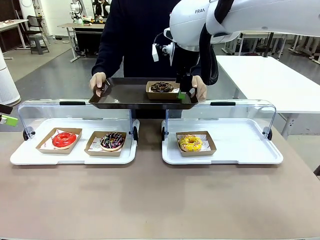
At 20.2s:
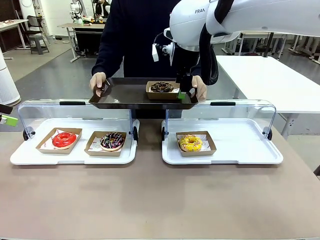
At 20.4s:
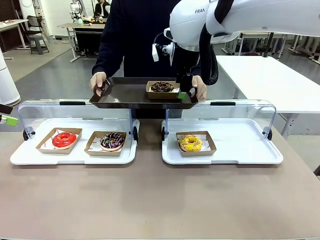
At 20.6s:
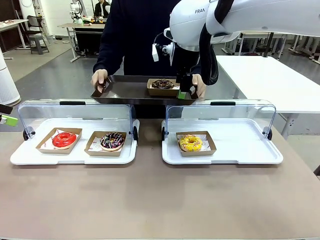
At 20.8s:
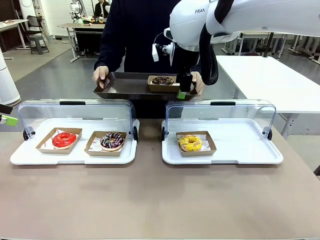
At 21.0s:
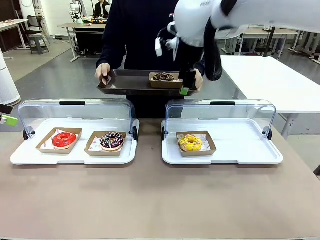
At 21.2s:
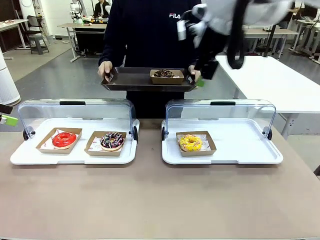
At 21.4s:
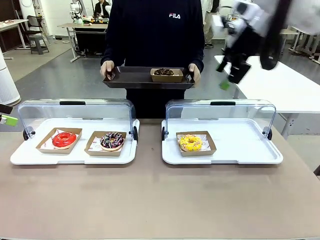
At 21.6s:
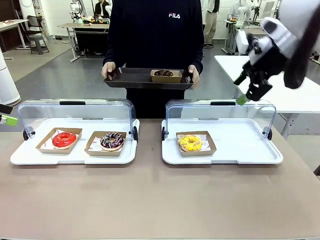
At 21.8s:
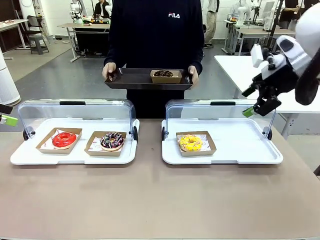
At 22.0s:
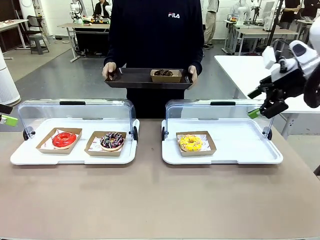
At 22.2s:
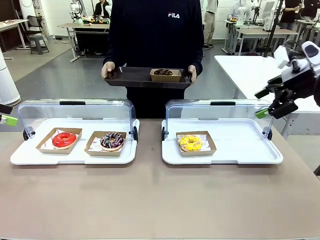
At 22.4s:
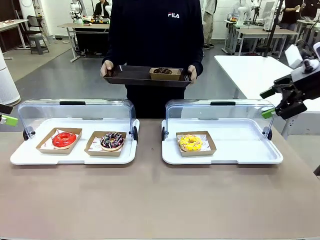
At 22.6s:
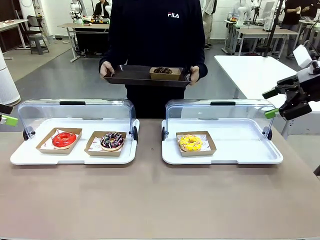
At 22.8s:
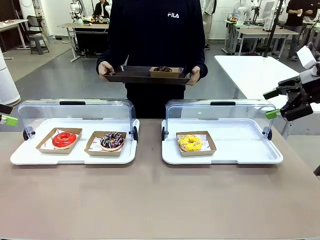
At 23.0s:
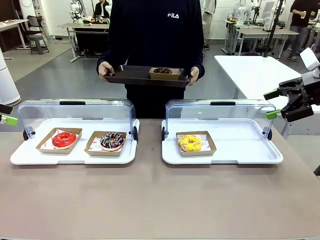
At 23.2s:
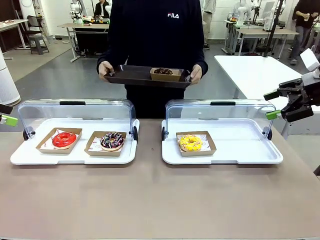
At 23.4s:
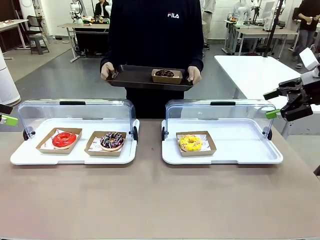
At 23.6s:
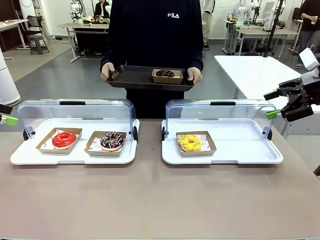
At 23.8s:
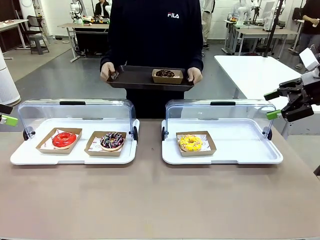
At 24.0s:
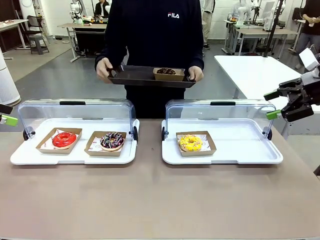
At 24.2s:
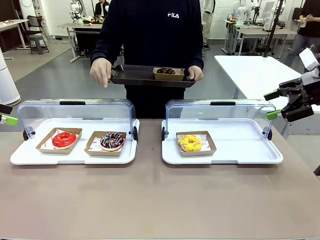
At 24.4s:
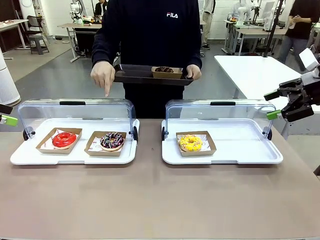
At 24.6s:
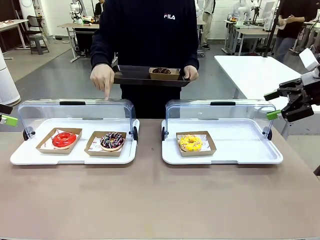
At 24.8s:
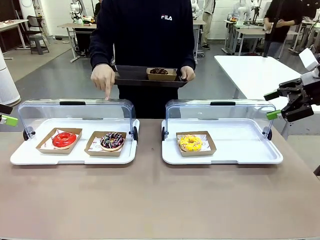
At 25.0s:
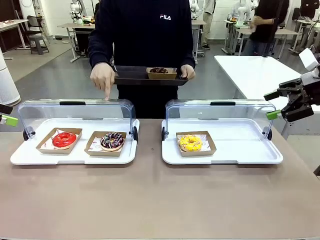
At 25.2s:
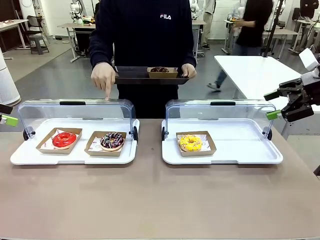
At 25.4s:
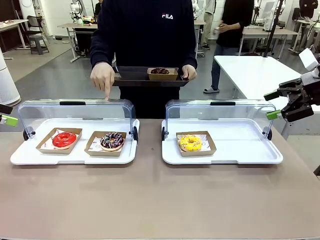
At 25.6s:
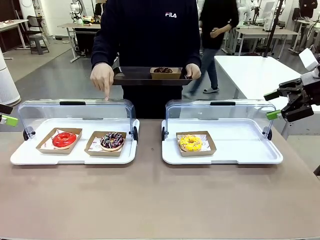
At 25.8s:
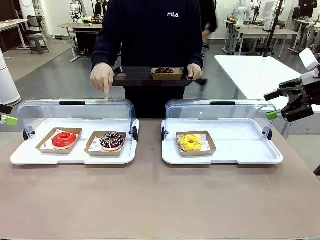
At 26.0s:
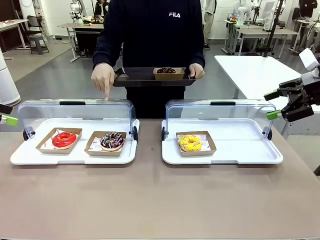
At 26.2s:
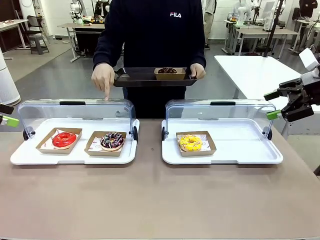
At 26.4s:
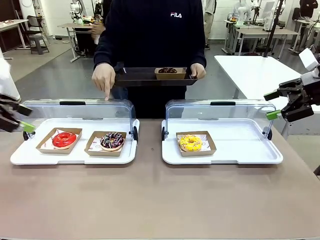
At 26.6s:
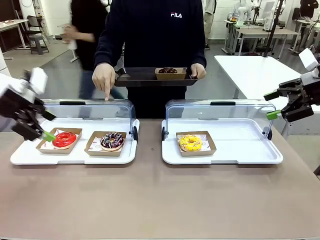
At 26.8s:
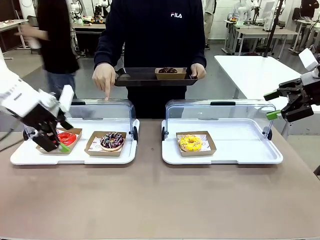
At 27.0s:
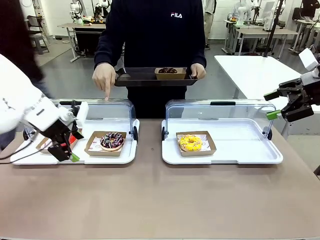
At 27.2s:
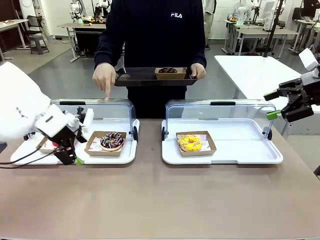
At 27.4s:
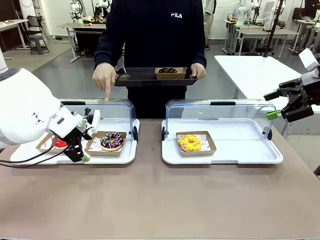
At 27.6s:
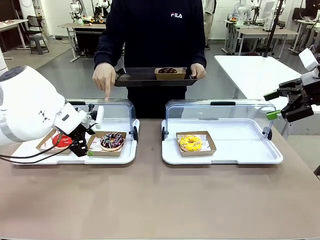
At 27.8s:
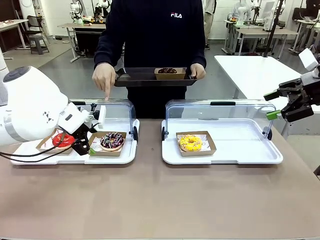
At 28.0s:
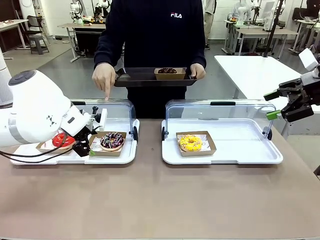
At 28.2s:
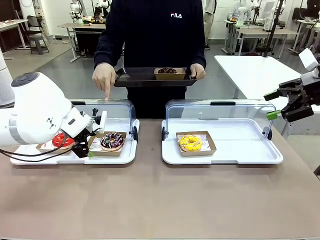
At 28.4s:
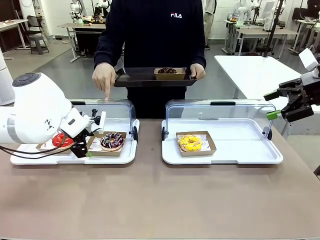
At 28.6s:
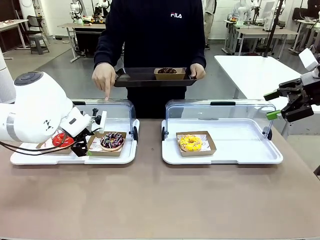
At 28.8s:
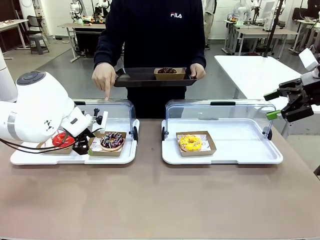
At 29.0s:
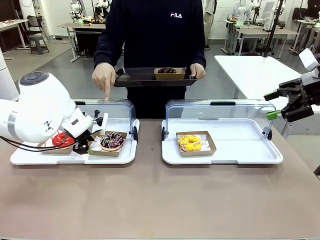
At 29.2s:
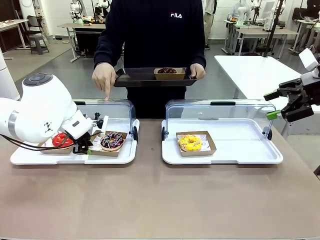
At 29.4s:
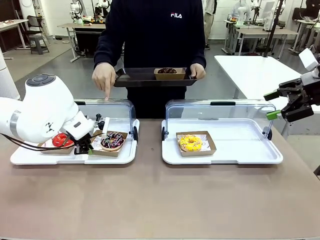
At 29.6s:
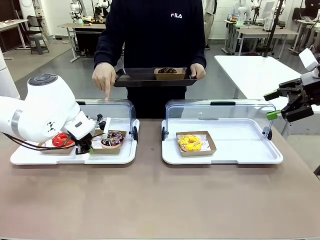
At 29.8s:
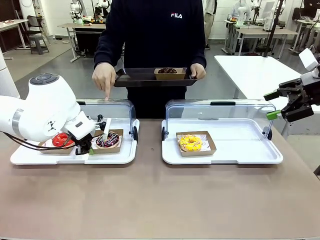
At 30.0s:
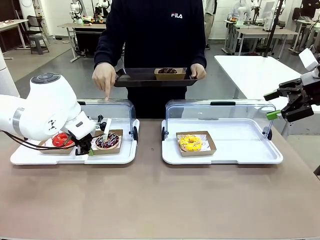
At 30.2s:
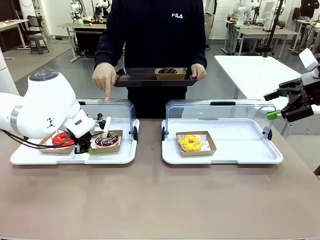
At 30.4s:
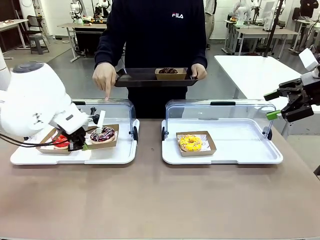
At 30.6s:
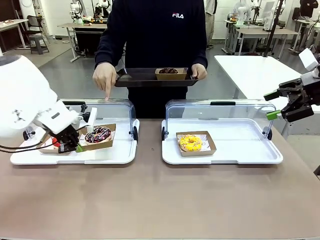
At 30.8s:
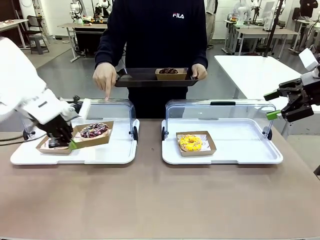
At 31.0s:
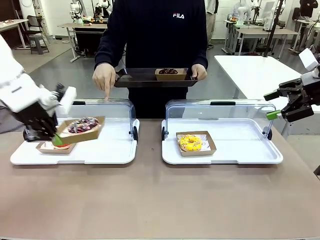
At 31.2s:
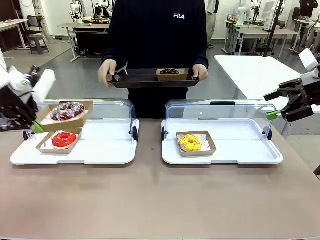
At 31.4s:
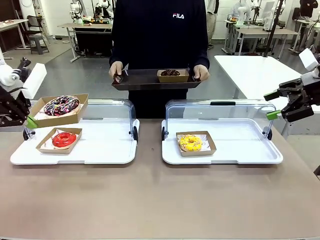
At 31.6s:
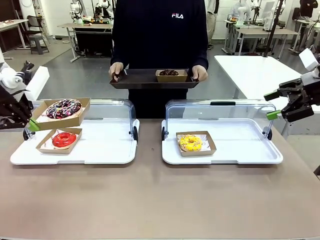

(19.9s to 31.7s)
Task: Provide the desired donut to the person.
Robot: Pick up and lift the Paper togo box containing the Donut pointed at by the person.
Person: Lift the tray onto the Roll-Top Bakery Case.

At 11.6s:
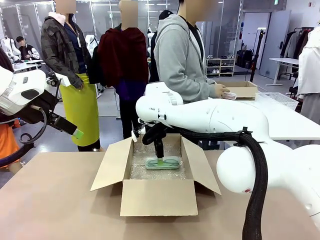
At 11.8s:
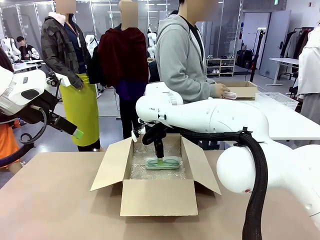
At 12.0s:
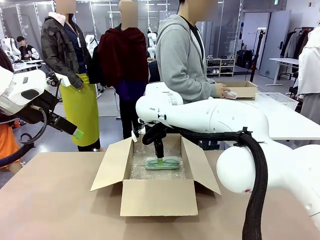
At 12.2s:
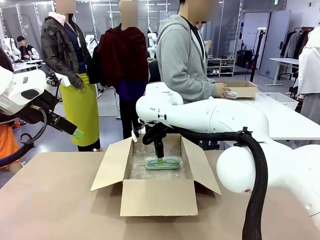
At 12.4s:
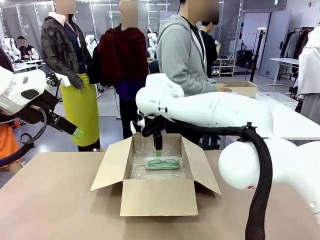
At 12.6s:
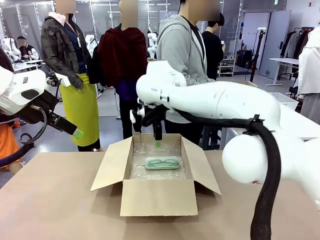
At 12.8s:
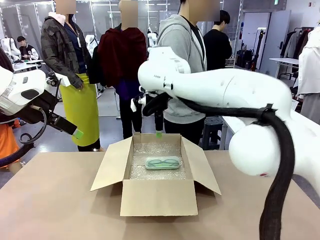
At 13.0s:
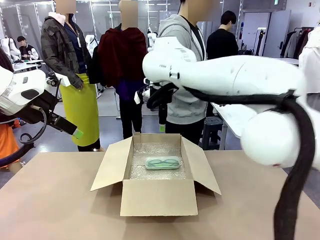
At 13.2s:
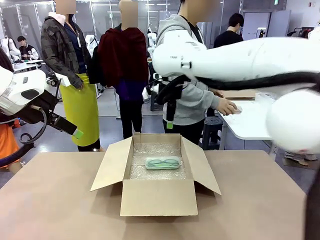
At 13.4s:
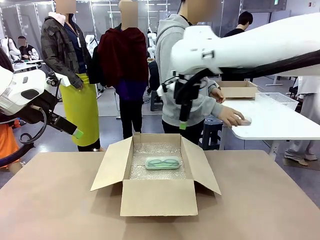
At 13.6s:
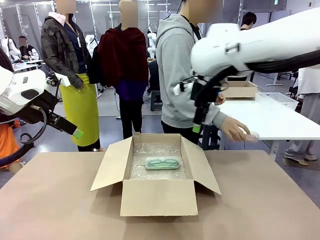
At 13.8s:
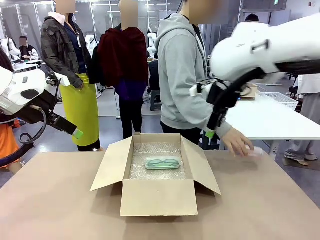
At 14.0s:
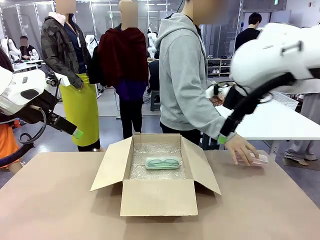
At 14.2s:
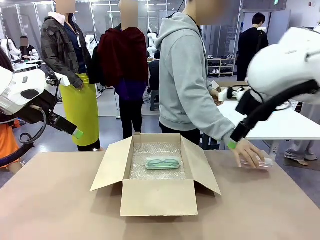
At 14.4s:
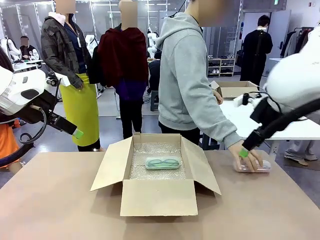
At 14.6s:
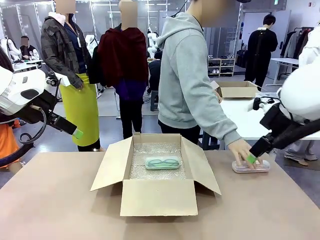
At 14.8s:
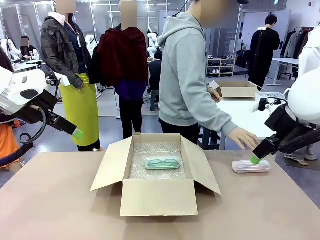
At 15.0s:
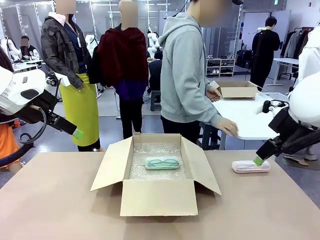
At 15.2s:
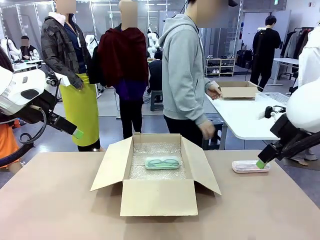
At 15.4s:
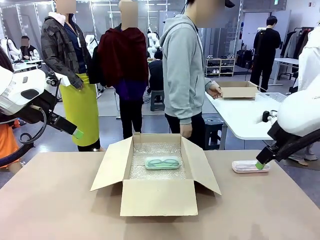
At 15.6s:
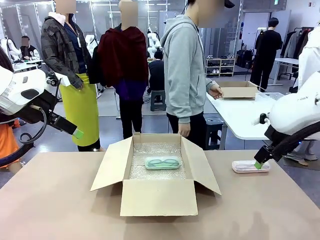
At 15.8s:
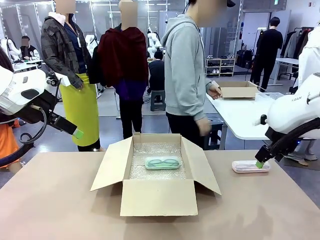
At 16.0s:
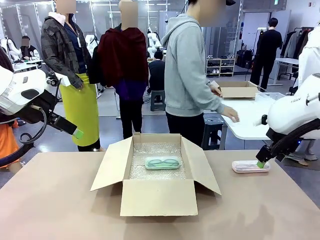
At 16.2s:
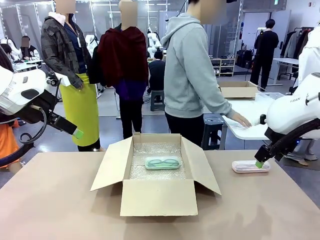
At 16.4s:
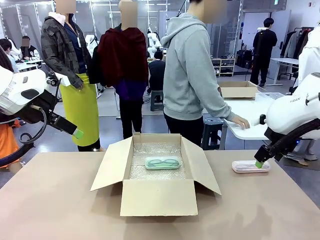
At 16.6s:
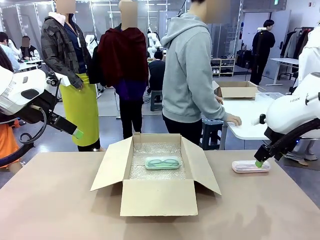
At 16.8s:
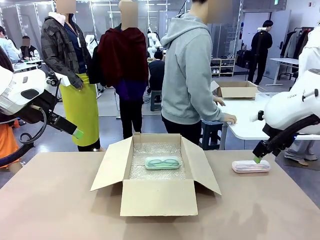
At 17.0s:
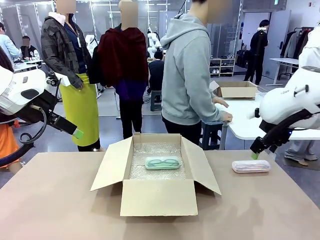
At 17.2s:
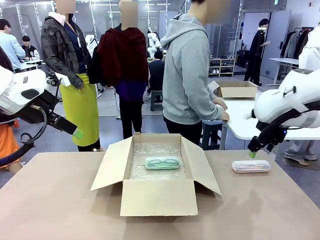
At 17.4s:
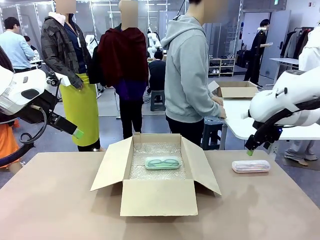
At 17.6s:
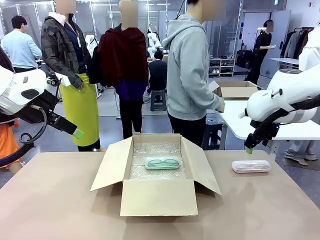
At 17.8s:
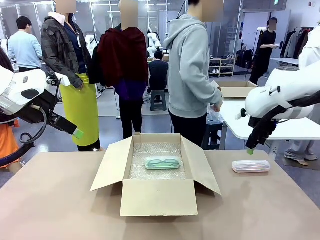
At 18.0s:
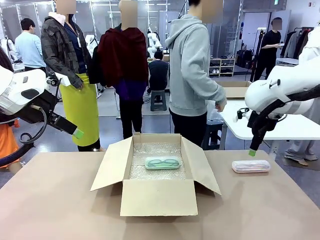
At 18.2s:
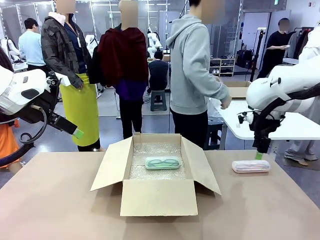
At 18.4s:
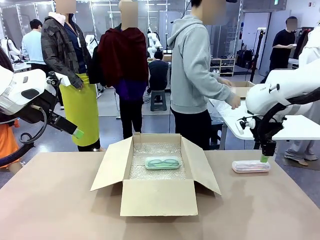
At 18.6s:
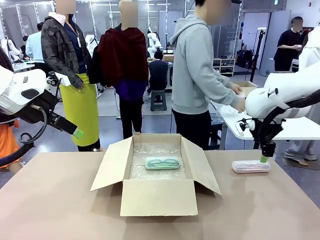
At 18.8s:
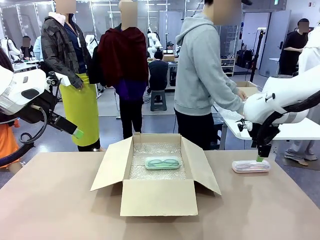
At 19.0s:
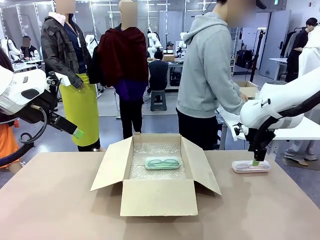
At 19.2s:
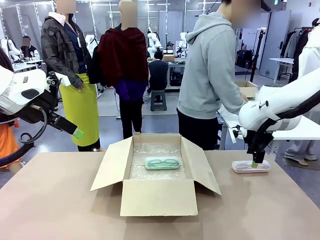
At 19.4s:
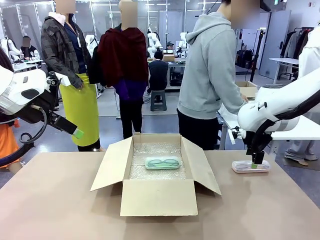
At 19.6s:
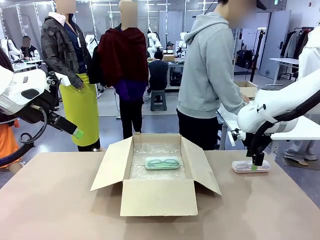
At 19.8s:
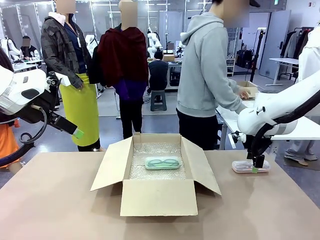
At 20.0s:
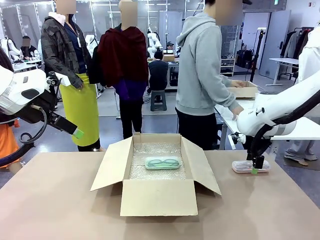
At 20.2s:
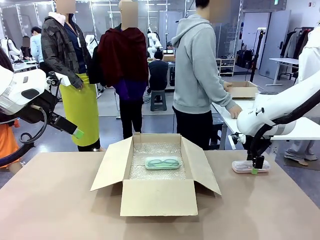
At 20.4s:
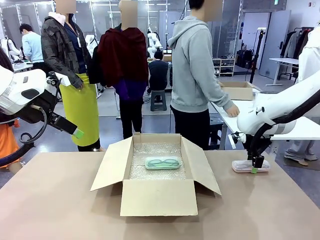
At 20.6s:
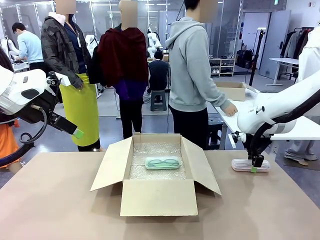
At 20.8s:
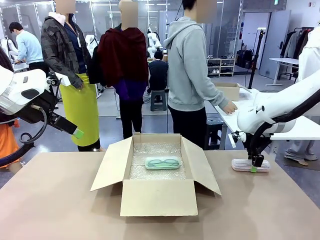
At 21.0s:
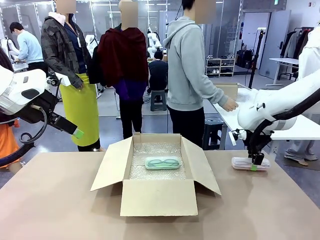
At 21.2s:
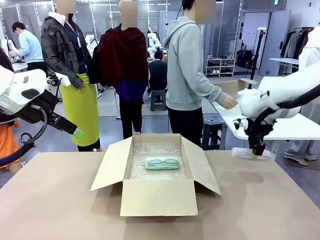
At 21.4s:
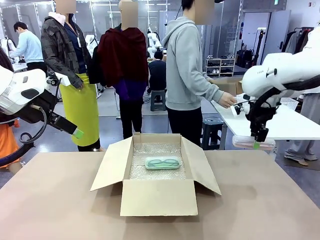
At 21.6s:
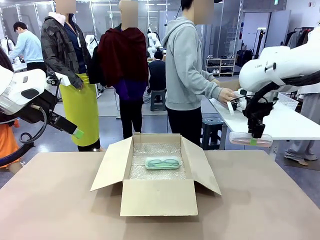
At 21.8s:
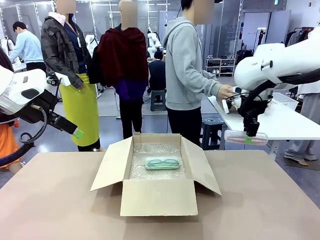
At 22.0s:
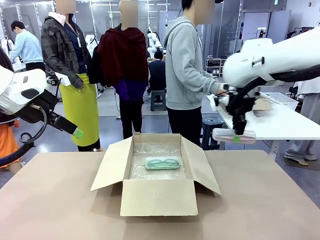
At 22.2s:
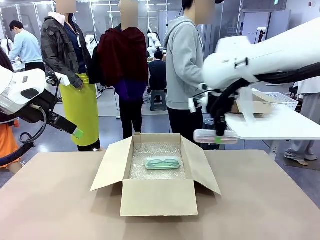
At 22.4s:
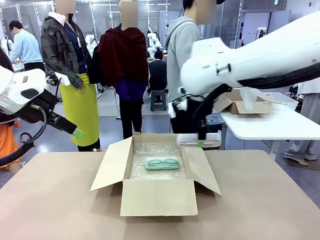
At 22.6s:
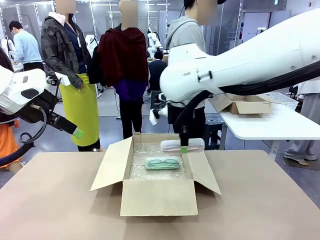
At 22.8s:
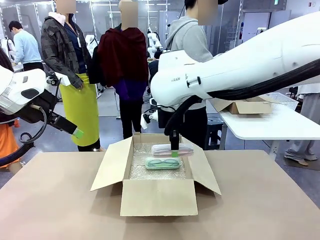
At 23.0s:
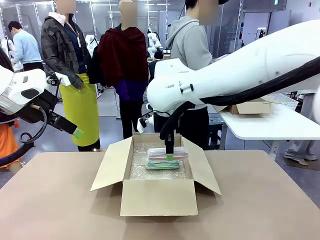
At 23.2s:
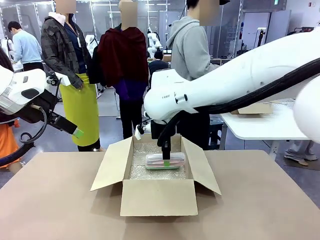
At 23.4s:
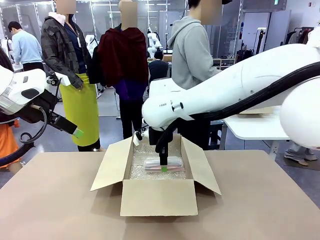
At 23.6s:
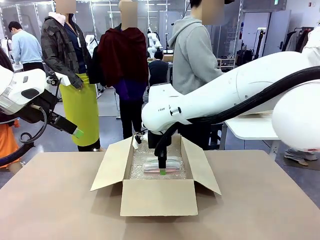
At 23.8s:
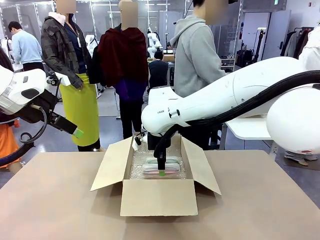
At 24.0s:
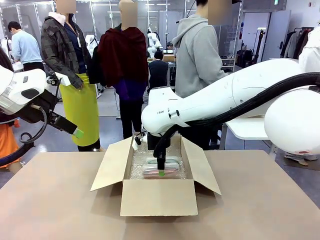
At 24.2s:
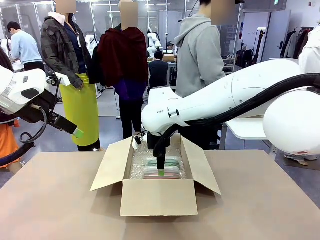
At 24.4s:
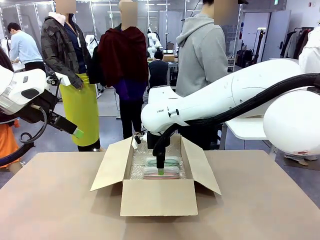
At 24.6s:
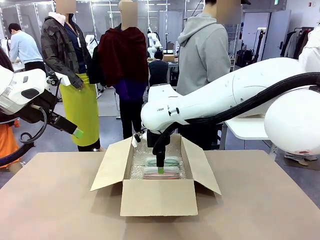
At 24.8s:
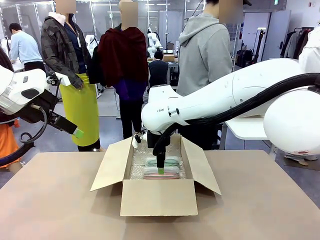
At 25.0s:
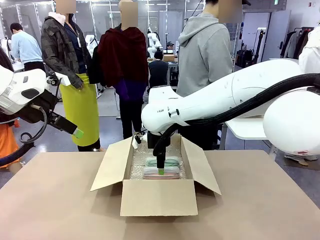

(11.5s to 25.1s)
Task: Pack the glasses set securely to prepare it for shipping.
Robot: Put the Glasses case from the right side of the table into the Package Box.
Person: Position the Glasses case on the left side of the robot's table.
